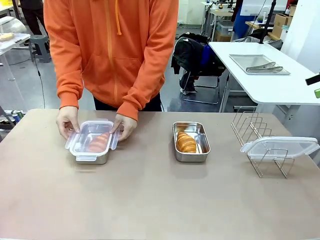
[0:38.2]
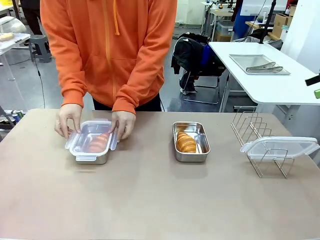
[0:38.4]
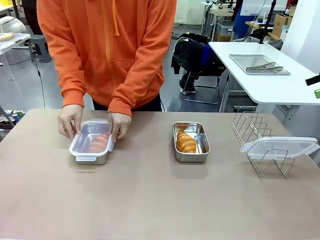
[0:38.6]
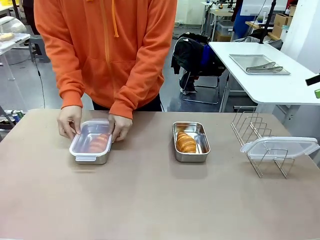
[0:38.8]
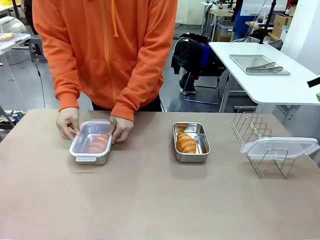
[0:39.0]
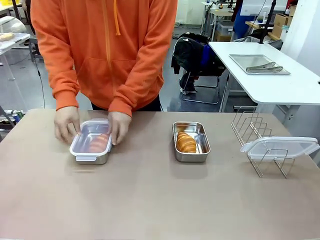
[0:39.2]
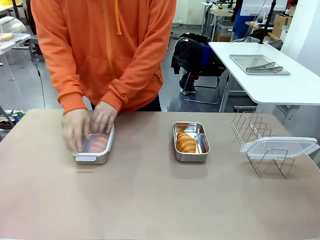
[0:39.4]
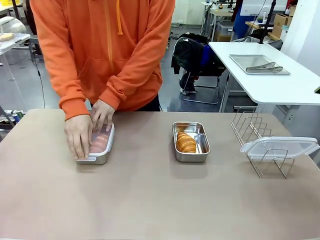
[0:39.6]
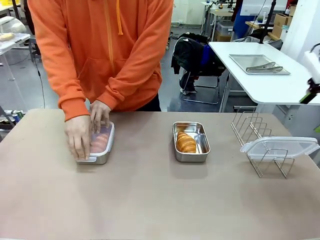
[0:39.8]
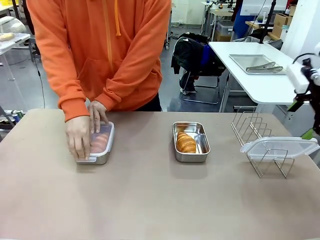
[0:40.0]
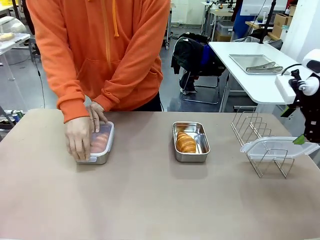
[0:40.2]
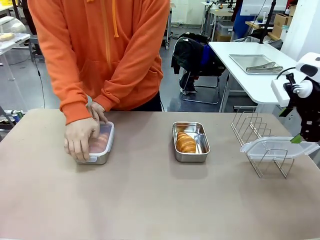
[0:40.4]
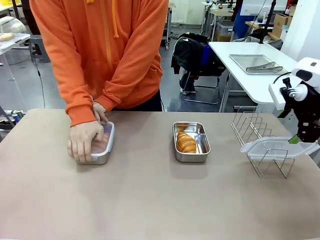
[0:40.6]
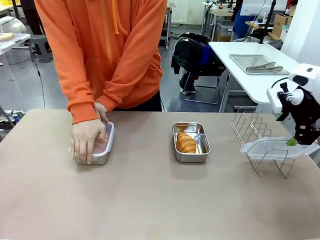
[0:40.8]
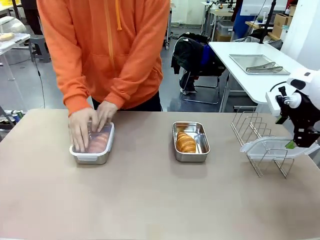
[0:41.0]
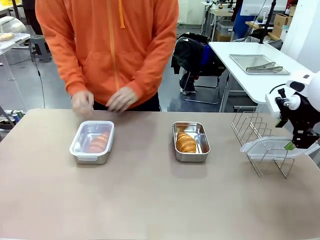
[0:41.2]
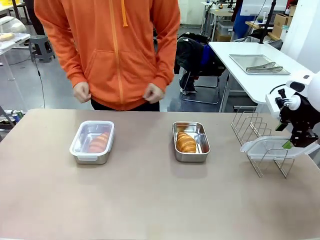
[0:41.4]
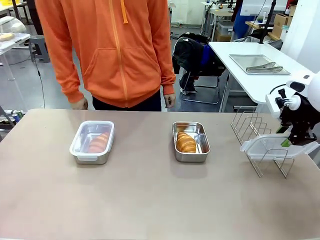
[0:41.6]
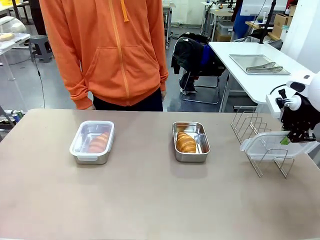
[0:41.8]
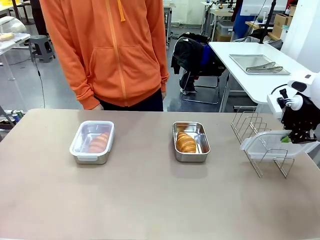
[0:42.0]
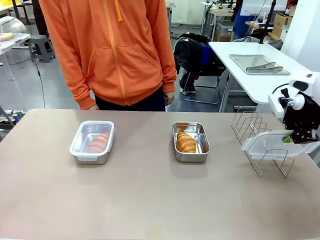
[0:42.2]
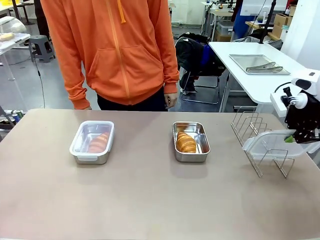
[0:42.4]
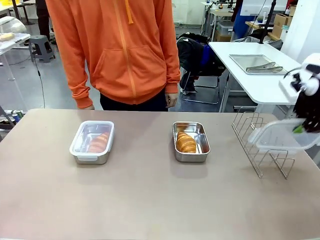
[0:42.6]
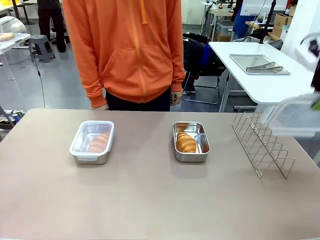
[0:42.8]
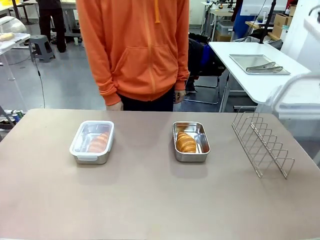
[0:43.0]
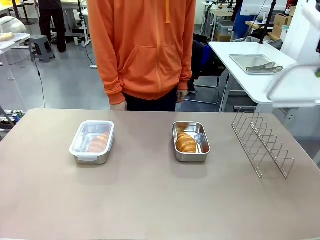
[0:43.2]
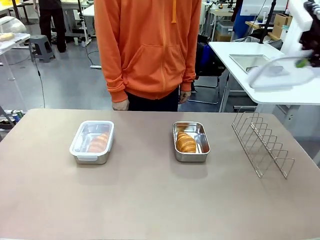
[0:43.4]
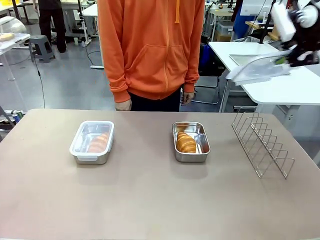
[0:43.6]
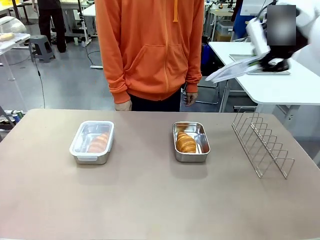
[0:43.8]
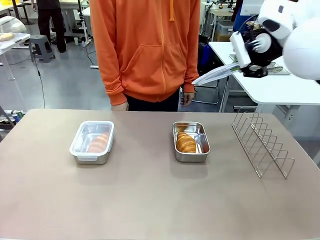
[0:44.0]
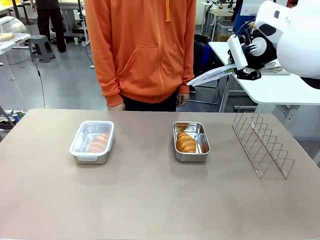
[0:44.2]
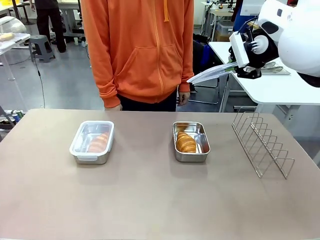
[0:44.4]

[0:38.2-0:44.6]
Task: Place the bread in airtight containers.
Robot: Pick up one Airtight Container lid and hand it to the human.
Person: Close Airtight Container with a handed Airtight Container lid. Grip Airtight Container lid that robot is handing.

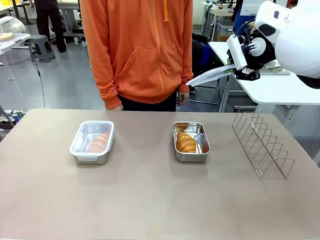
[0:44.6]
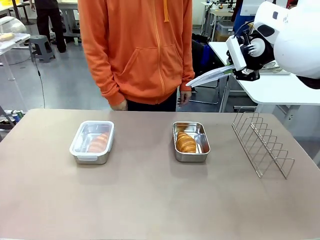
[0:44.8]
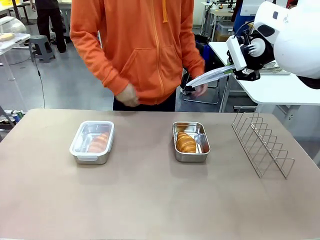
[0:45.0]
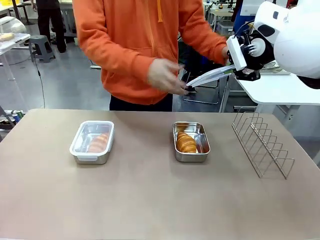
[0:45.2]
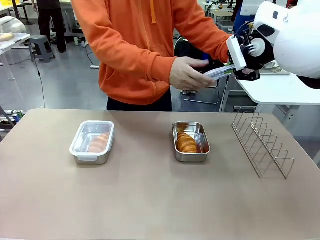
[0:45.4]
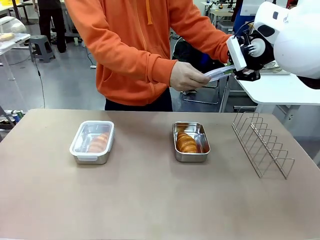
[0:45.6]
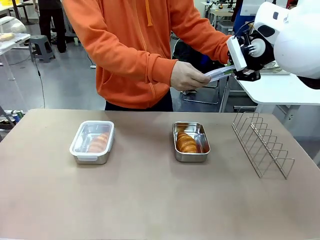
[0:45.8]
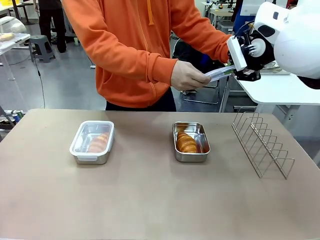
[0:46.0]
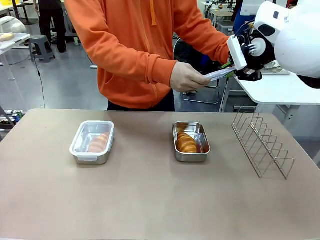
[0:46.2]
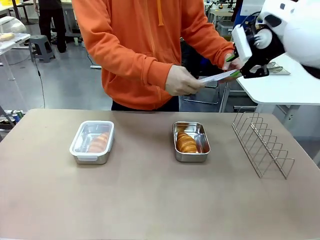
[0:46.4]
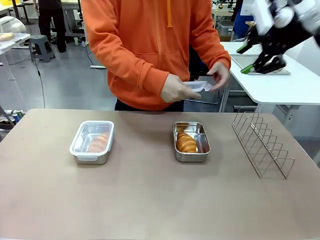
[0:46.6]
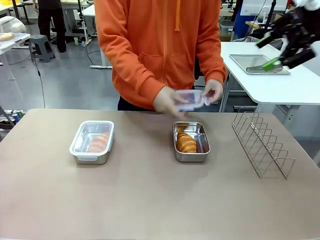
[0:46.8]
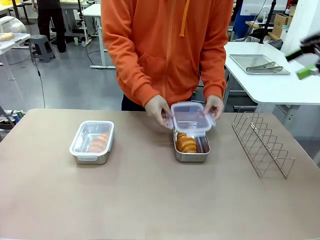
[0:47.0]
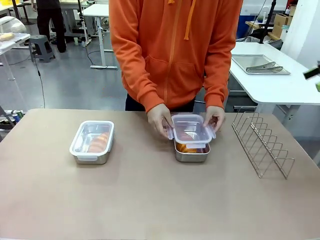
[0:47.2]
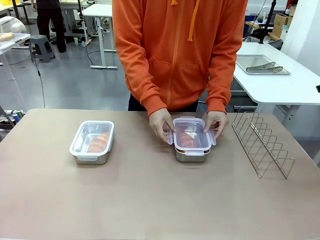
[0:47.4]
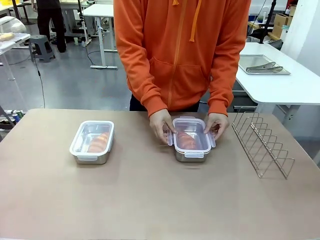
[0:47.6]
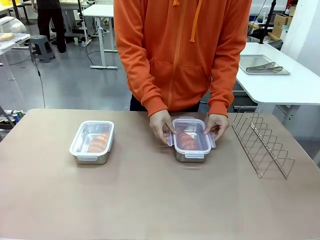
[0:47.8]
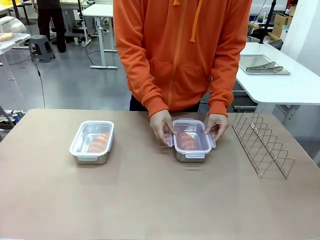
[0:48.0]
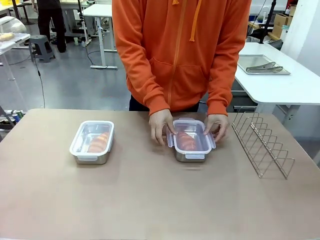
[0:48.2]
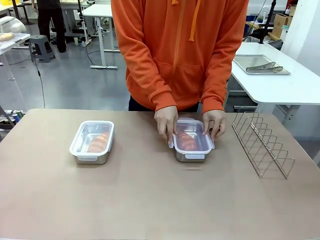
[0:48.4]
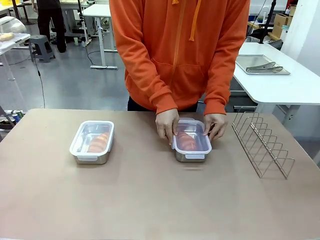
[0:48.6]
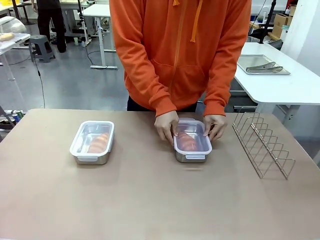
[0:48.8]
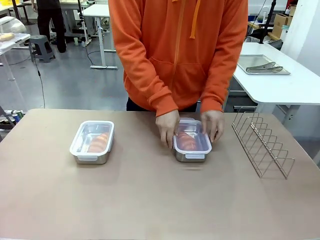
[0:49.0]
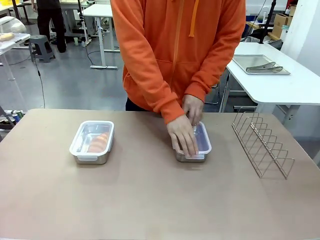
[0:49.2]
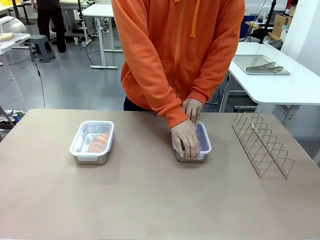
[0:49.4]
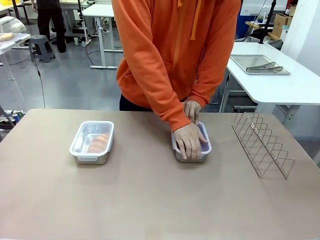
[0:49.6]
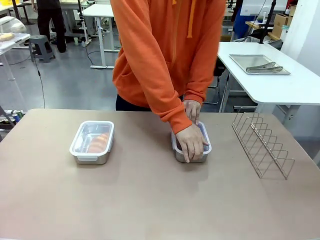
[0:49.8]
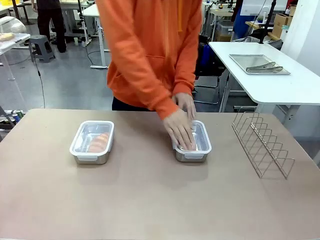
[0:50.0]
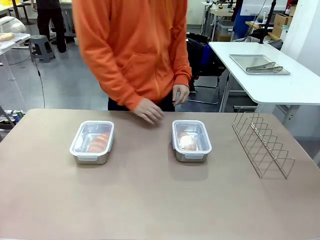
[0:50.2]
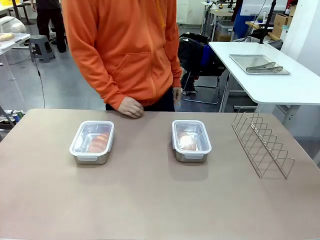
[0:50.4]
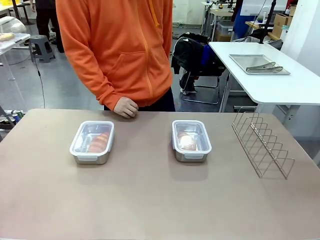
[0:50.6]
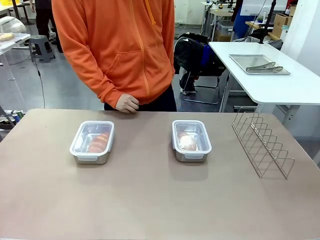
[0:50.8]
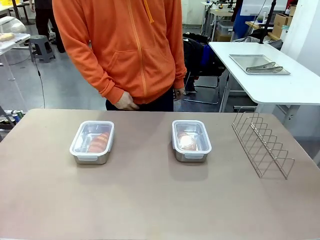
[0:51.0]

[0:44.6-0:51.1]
Robot: Release when the human grabs the Airtight Container lid.
Person: Close Airtight Container with a handed Airtight Container lid.
